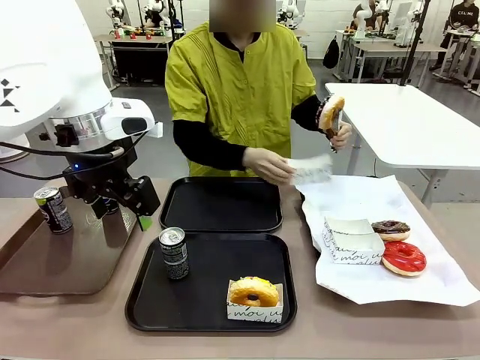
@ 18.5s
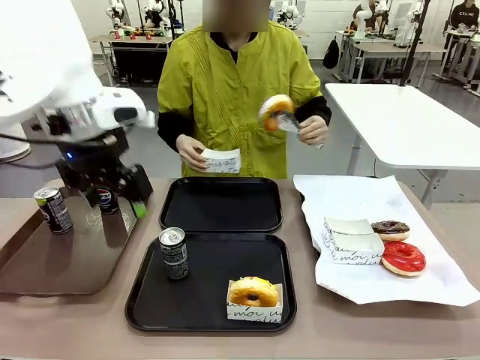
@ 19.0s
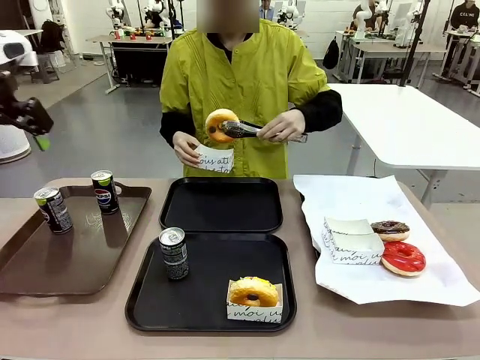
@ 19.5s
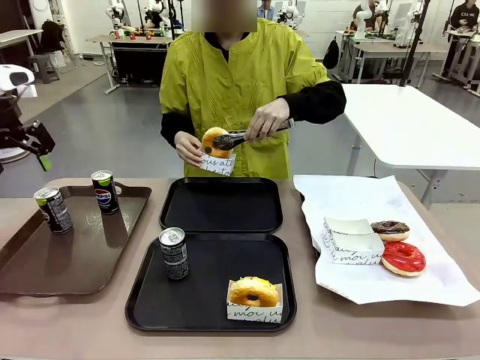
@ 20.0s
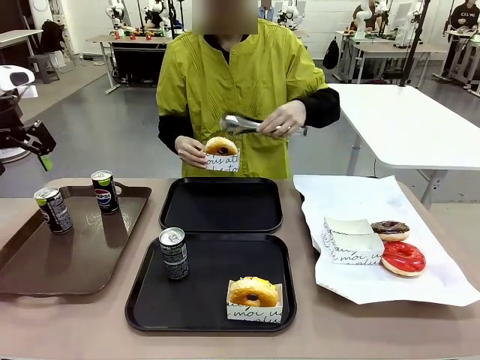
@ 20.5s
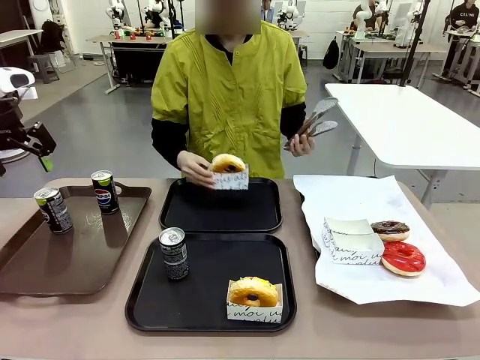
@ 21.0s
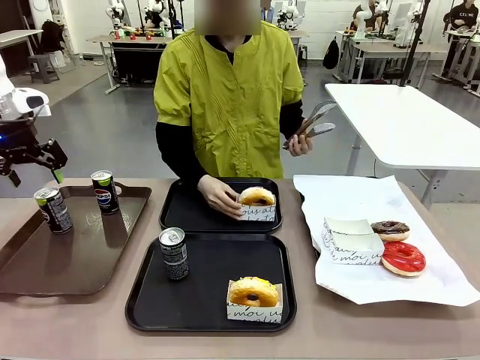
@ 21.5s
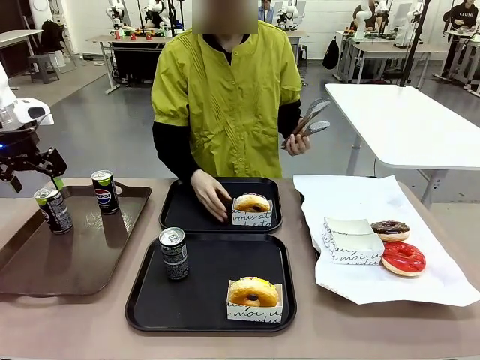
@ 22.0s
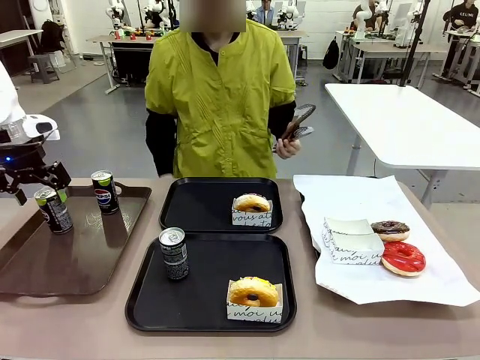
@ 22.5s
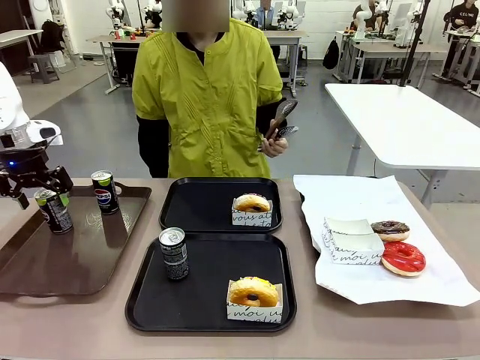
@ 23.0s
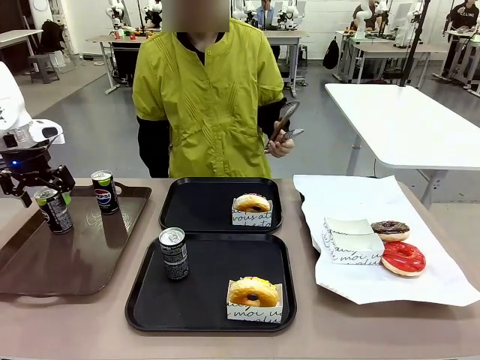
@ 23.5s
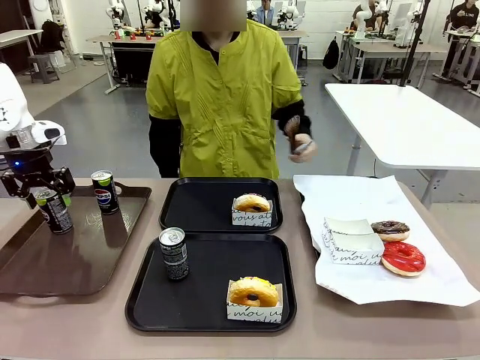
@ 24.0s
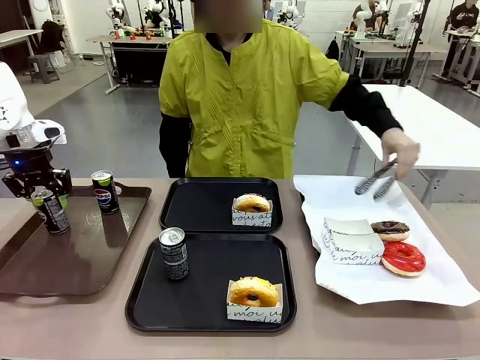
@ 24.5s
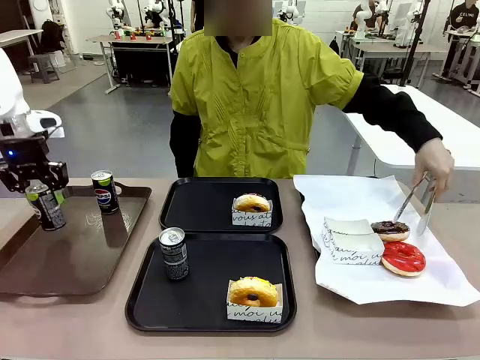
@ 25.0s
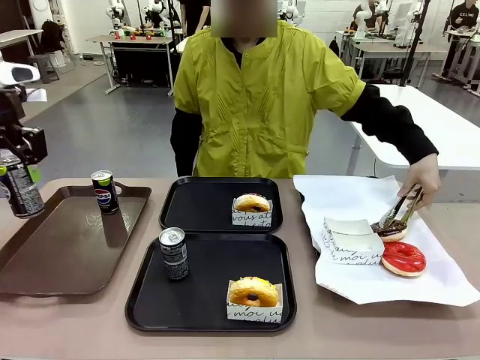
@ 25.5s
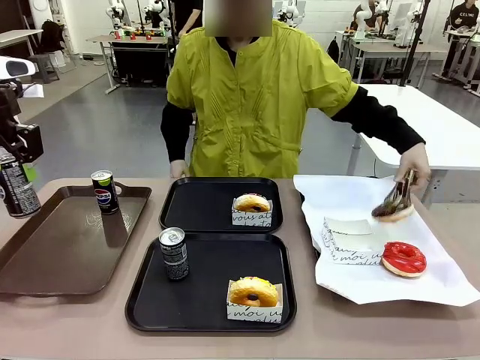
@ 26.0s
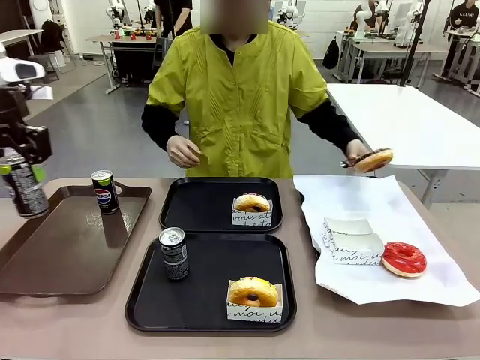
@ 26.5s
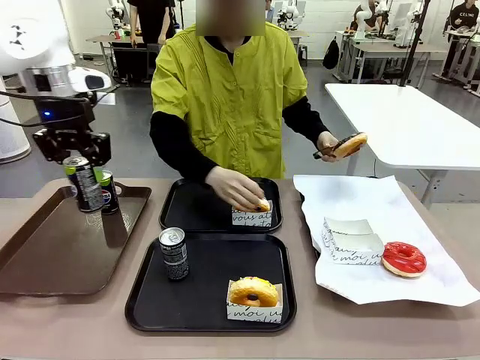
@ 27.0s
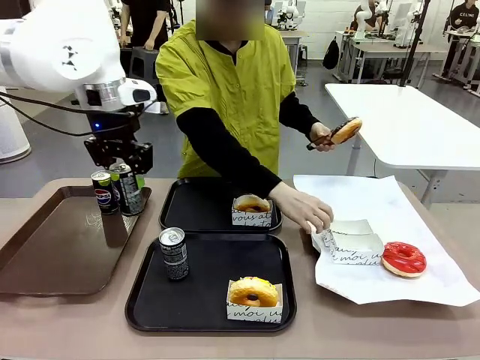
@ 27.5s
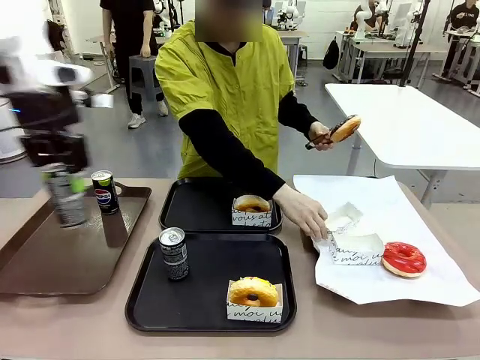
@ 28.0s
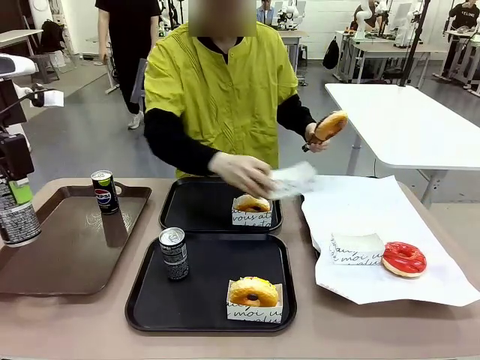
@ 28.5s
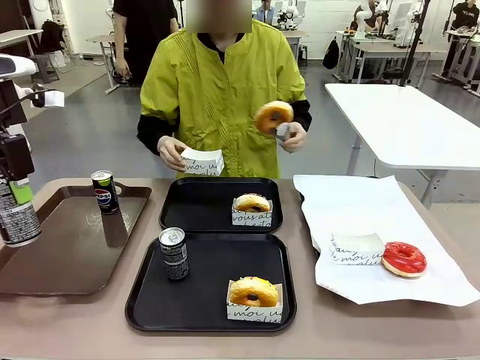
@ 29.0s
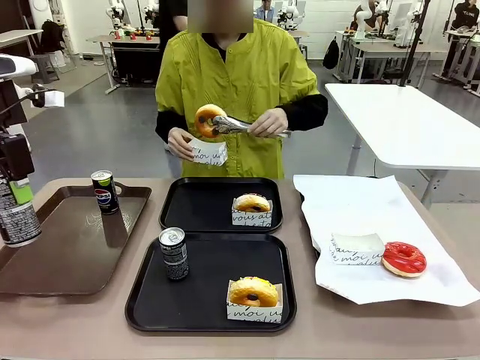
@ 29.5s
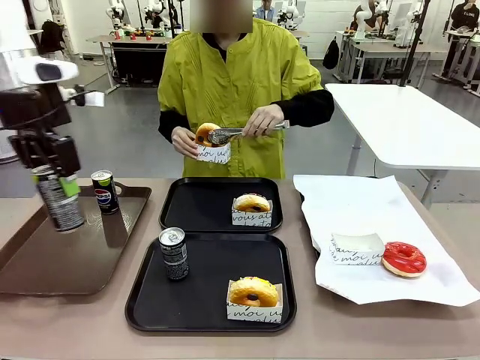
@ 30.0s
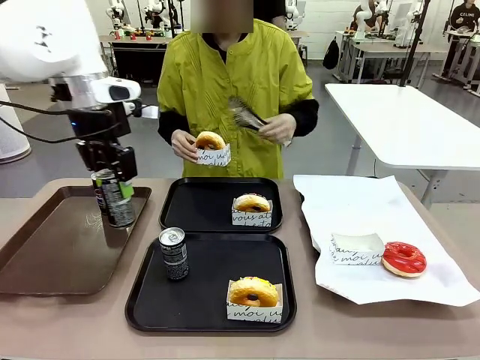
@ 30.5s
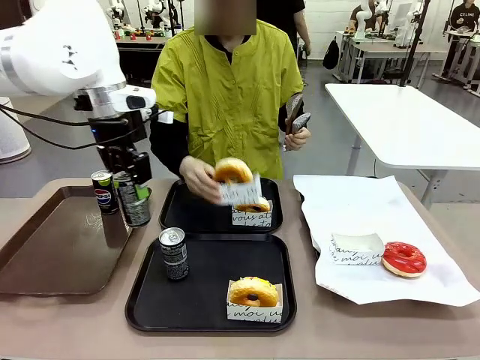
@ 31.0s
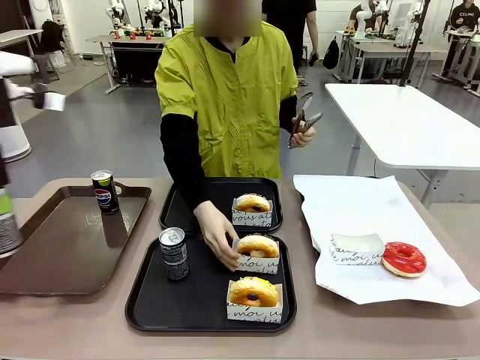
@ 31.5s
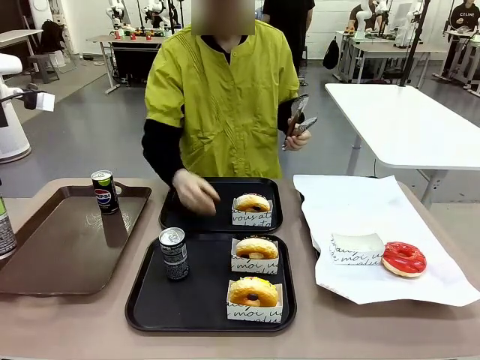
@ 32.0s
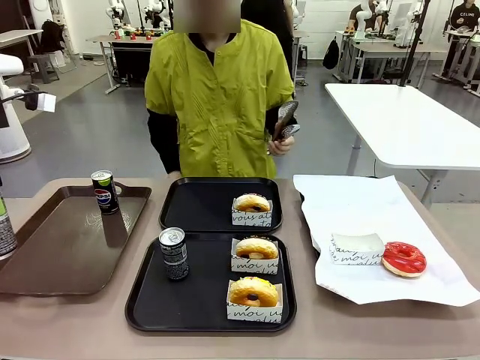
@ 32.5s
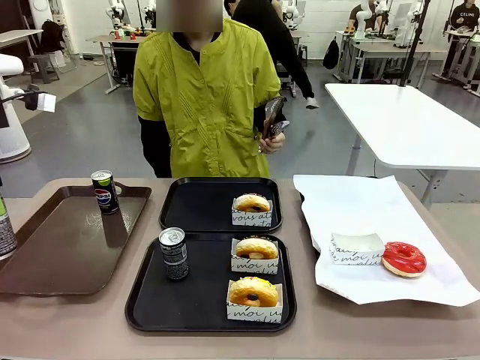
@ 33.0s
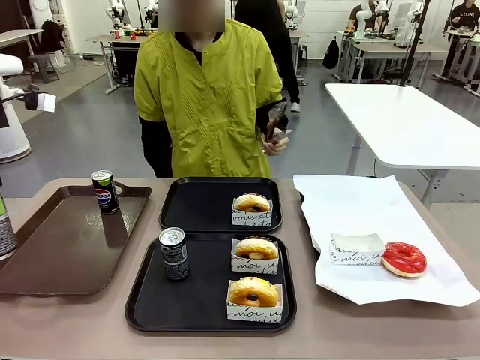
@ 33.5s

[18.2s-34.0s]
Task: Set up donuts and drinks on trays.
Robot: Pick up one Pepsi coke from the Handle tray and place it on the Flat Tray without a Pepsi coke.

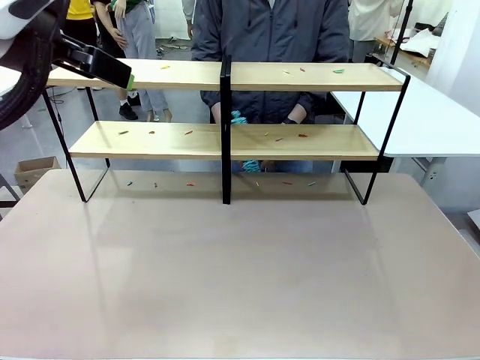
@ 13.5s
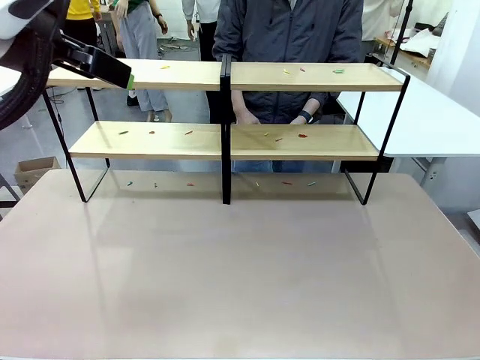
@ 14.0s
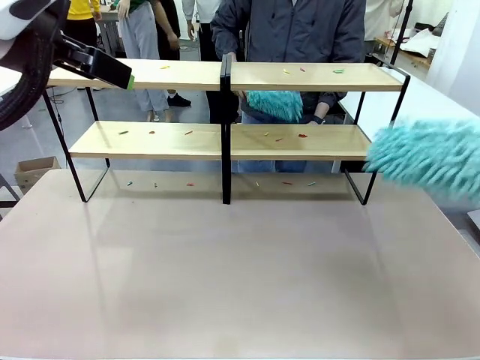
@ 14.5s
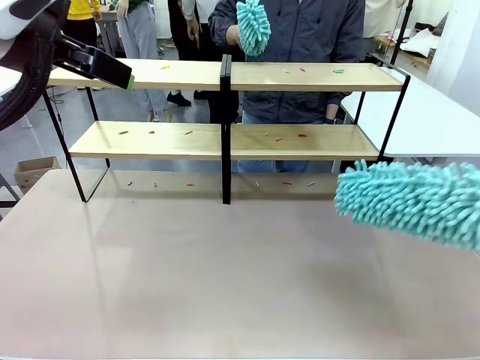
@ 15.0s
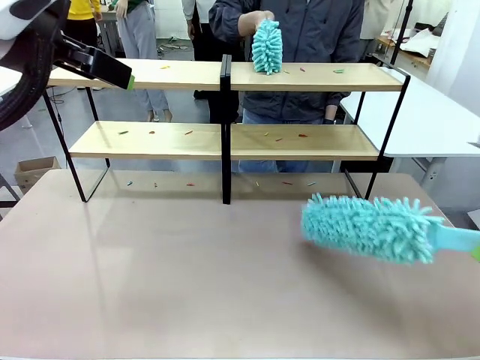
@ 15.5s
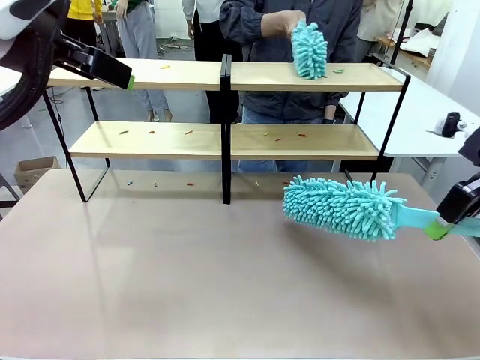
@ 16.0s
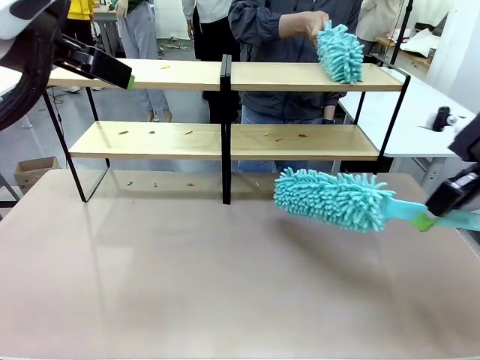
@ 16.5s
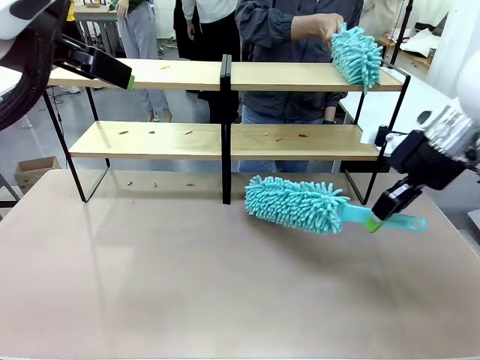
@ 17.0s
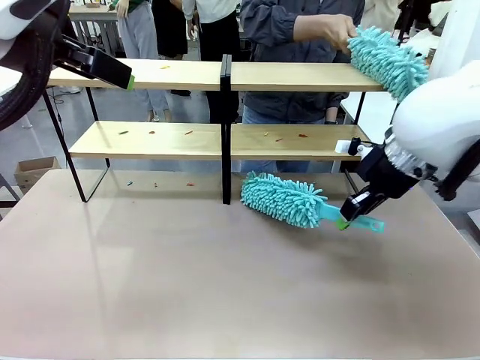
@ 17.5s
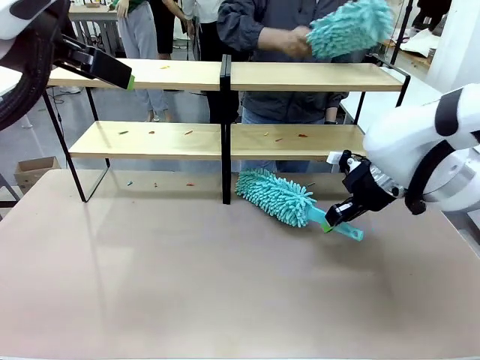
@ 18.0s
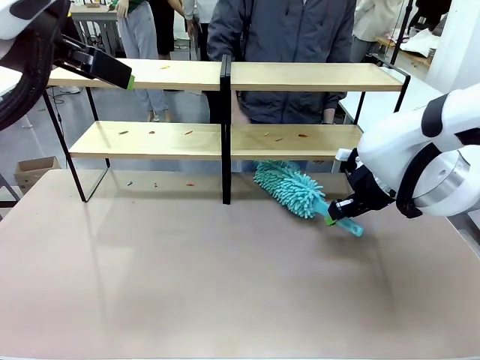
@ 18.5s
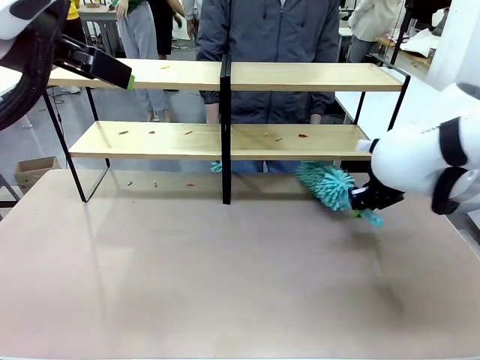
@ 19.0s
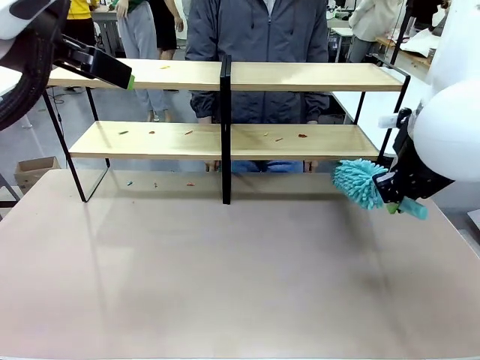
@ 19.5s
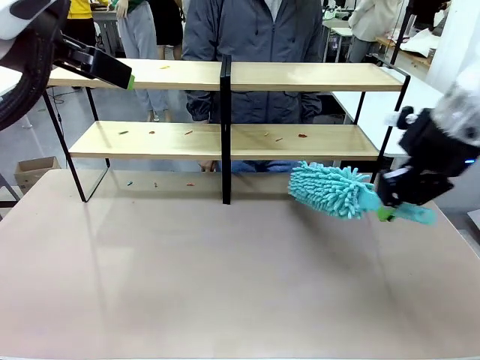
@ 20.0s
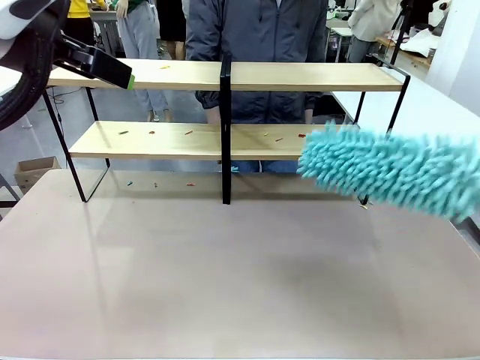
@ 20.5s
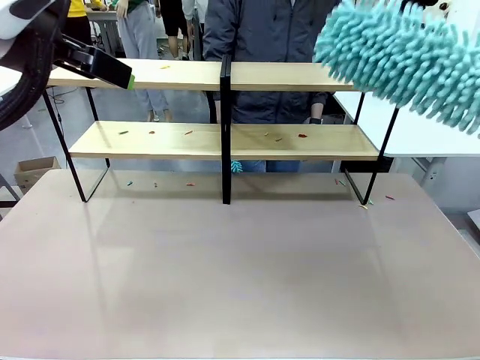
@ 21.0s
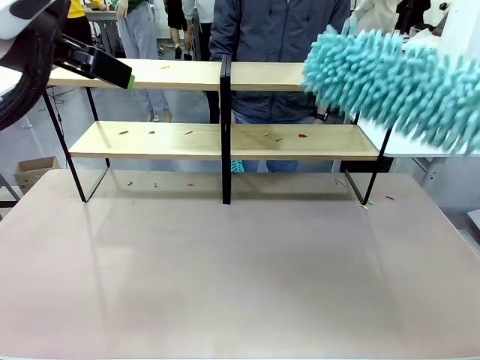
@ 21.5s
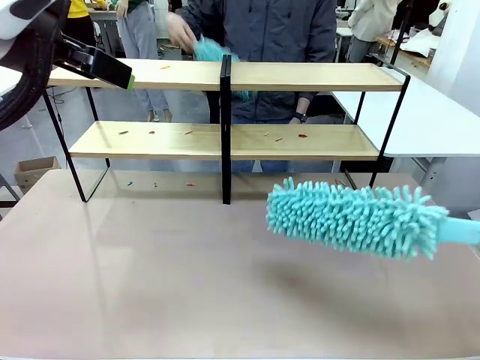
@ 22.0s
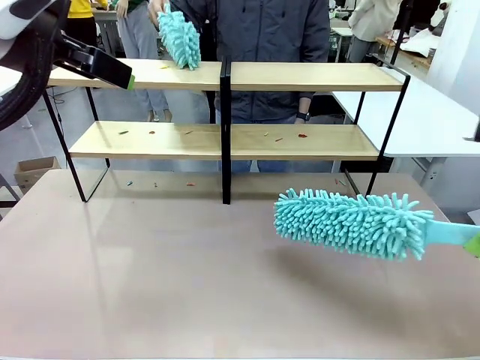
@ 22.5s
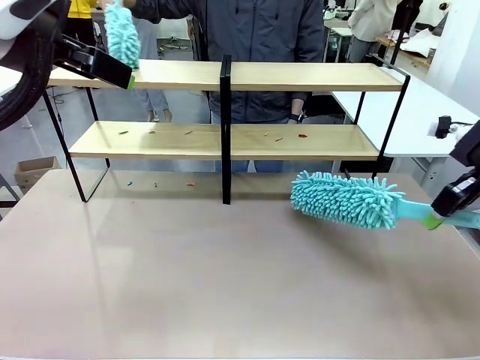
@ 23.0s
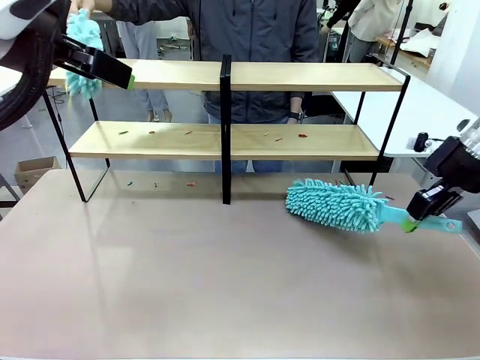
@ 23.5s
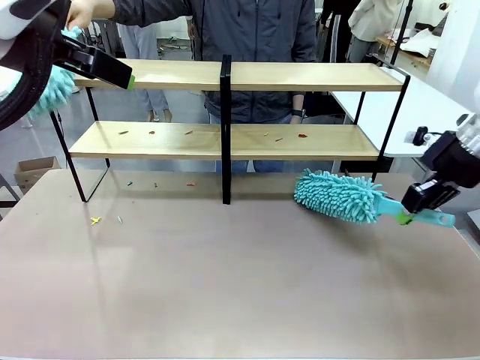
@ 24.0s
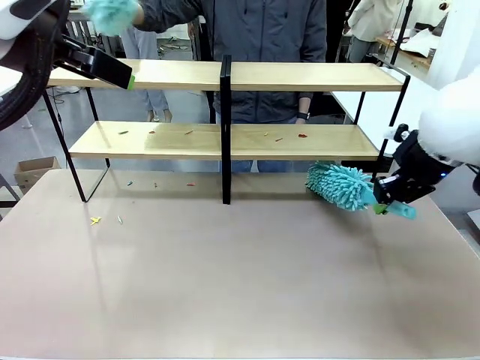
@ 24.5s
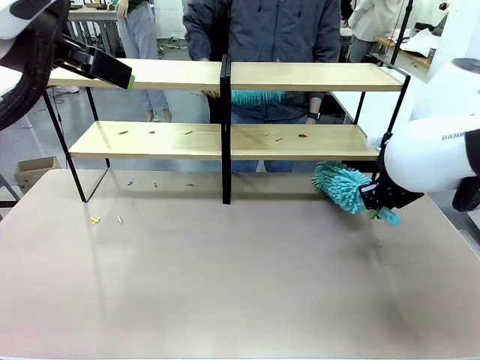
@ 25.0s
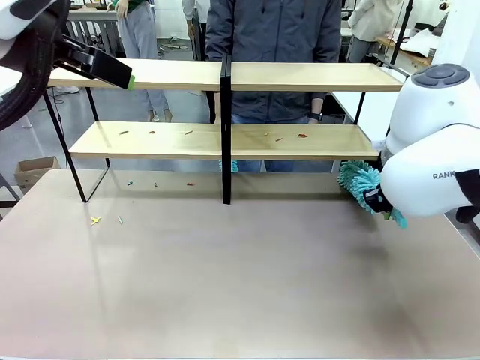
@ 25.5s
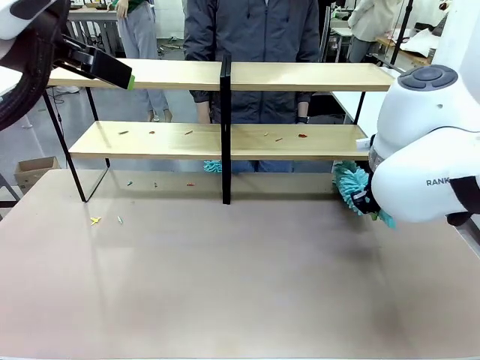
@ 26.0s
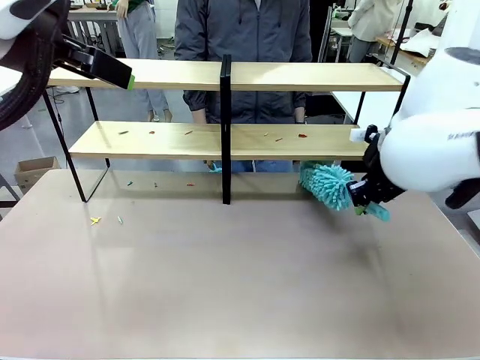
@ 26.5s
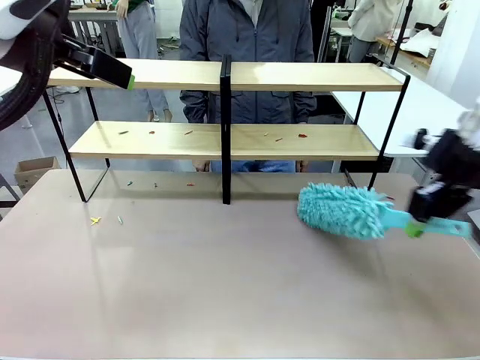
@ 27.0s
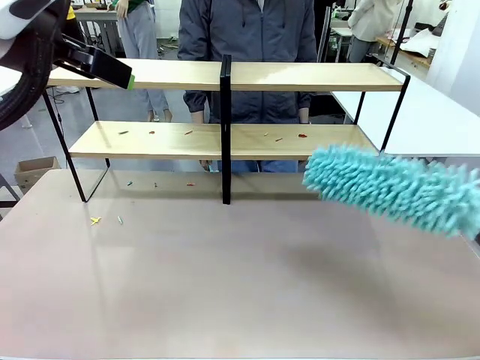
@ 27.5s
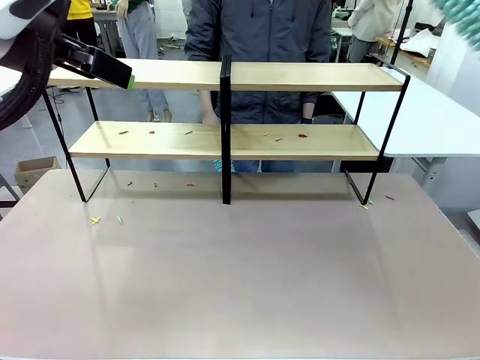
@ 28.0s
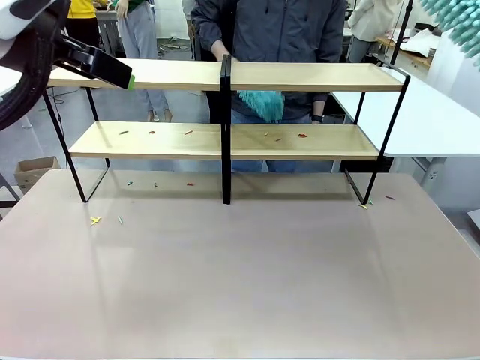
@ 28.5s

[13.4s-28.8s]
Task: Clean the shelves.
Robot: Clean a randomly selected level of the Shelf with the Duster.
